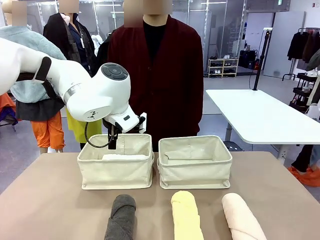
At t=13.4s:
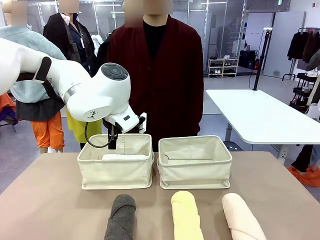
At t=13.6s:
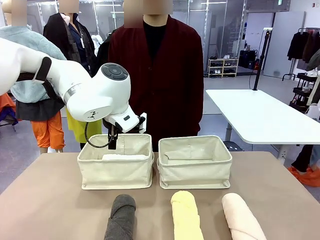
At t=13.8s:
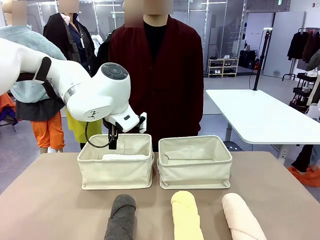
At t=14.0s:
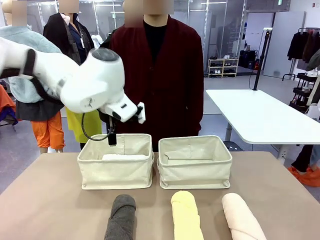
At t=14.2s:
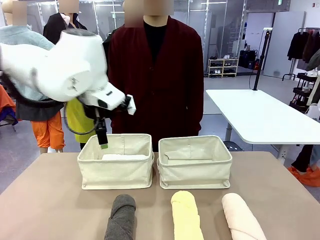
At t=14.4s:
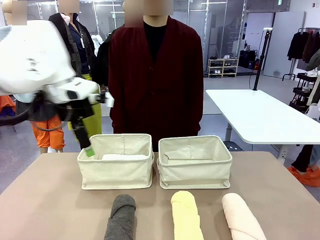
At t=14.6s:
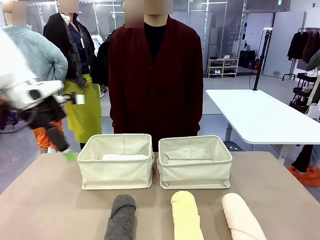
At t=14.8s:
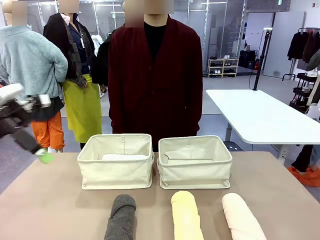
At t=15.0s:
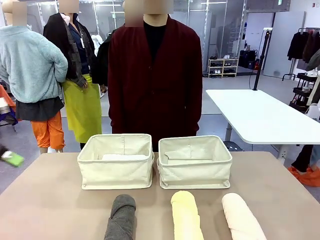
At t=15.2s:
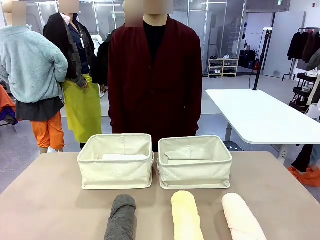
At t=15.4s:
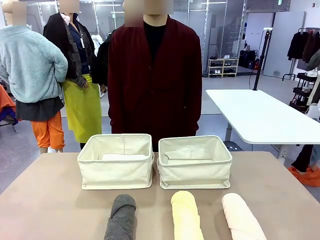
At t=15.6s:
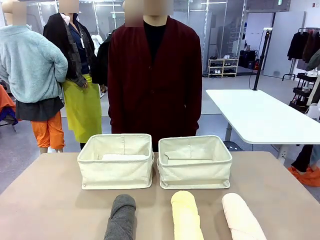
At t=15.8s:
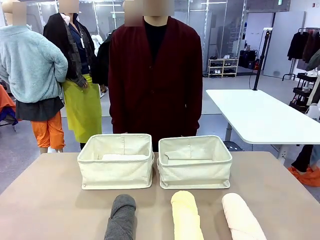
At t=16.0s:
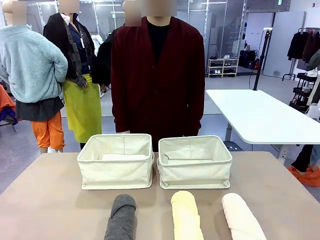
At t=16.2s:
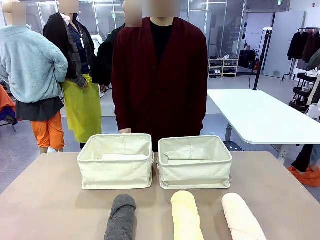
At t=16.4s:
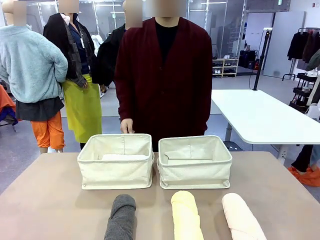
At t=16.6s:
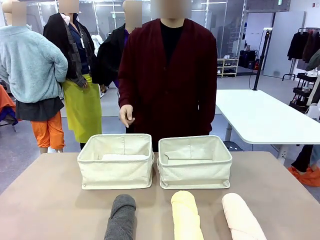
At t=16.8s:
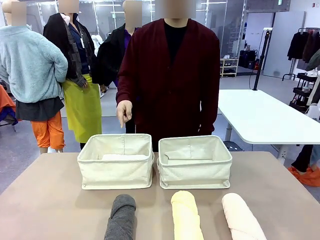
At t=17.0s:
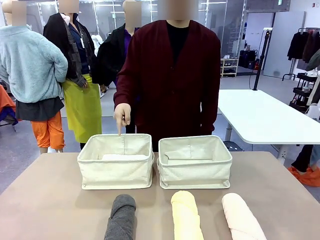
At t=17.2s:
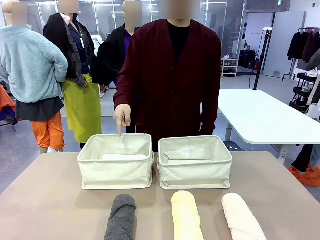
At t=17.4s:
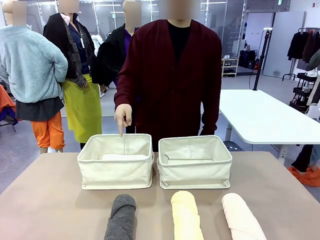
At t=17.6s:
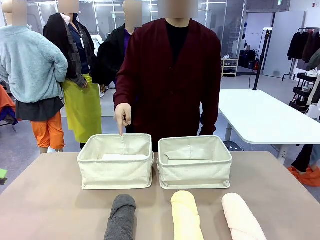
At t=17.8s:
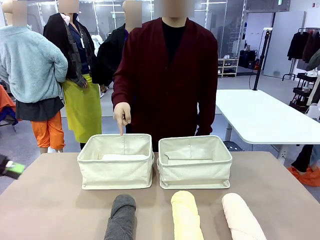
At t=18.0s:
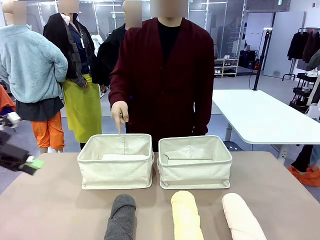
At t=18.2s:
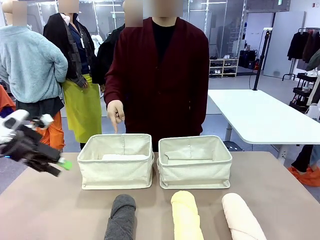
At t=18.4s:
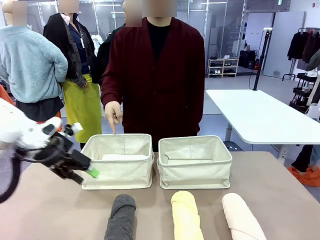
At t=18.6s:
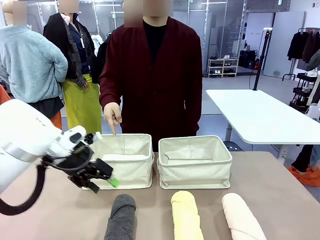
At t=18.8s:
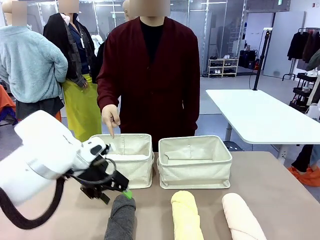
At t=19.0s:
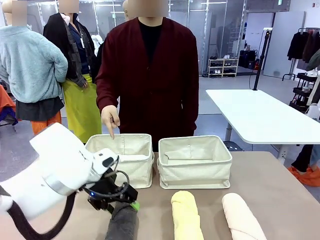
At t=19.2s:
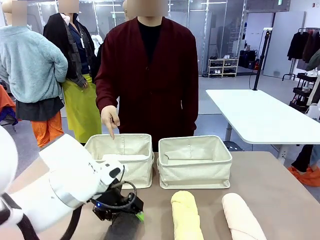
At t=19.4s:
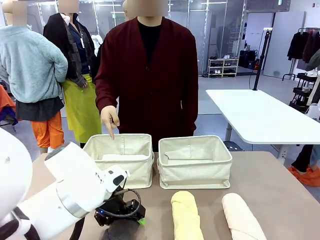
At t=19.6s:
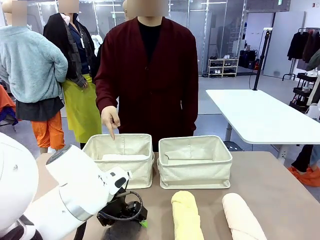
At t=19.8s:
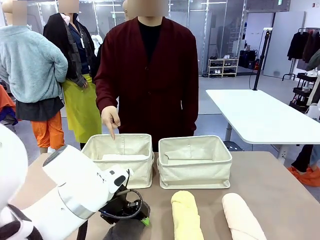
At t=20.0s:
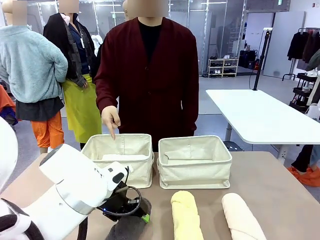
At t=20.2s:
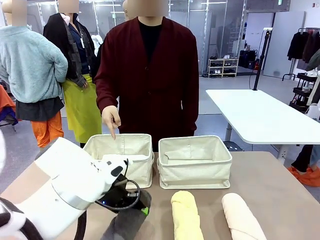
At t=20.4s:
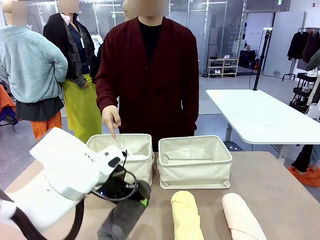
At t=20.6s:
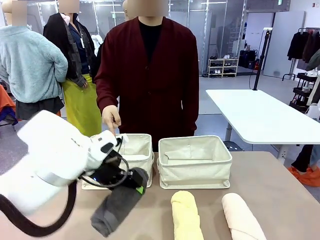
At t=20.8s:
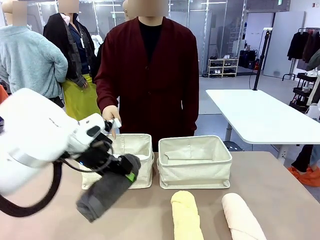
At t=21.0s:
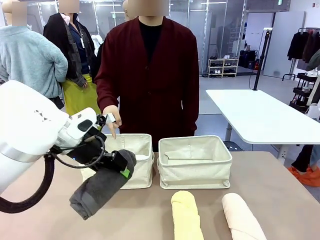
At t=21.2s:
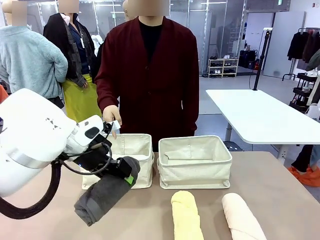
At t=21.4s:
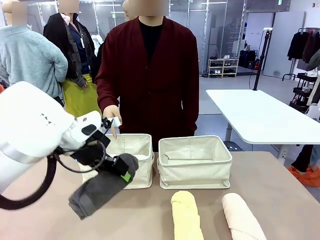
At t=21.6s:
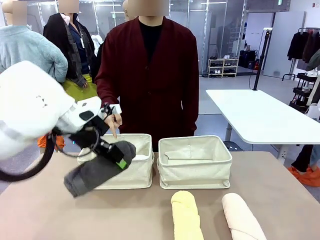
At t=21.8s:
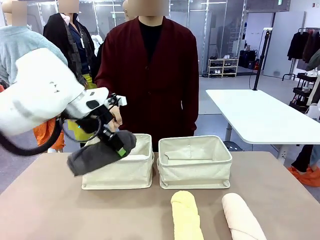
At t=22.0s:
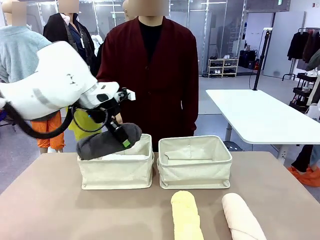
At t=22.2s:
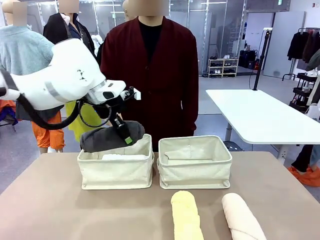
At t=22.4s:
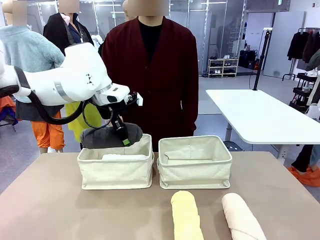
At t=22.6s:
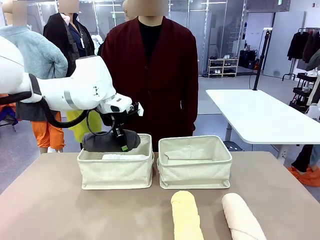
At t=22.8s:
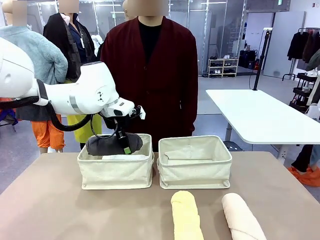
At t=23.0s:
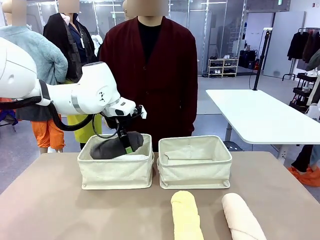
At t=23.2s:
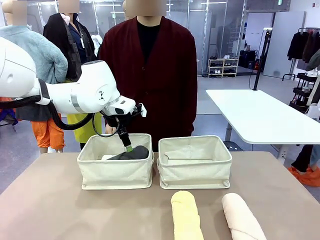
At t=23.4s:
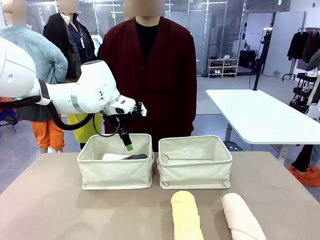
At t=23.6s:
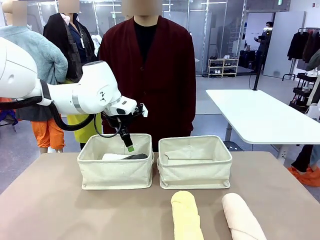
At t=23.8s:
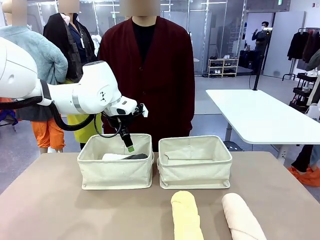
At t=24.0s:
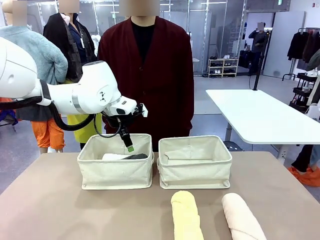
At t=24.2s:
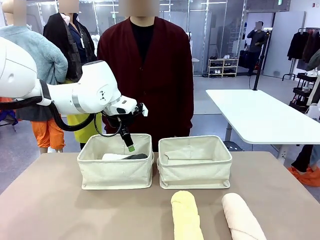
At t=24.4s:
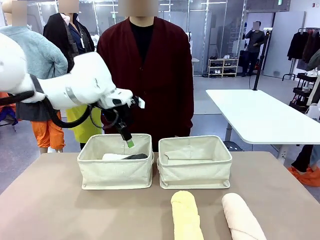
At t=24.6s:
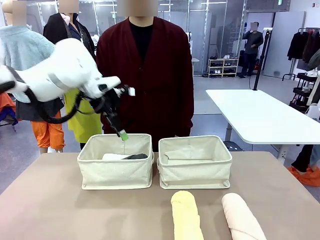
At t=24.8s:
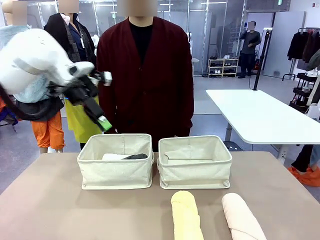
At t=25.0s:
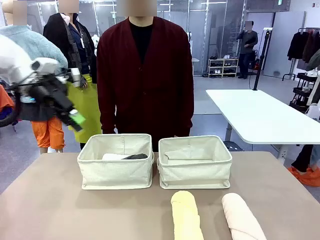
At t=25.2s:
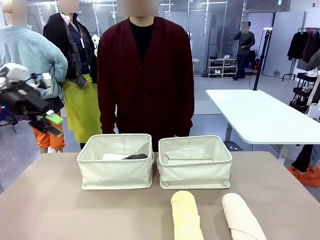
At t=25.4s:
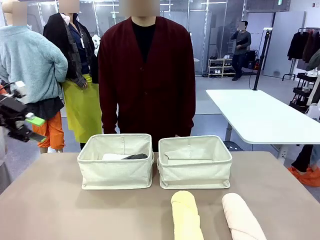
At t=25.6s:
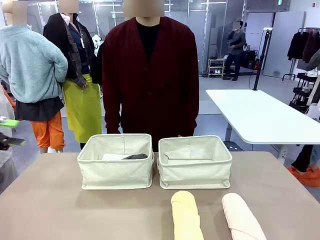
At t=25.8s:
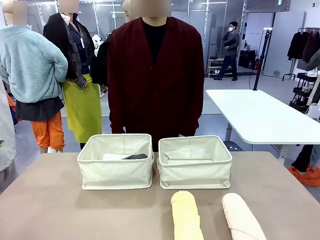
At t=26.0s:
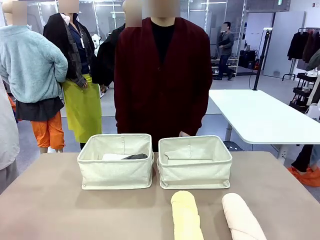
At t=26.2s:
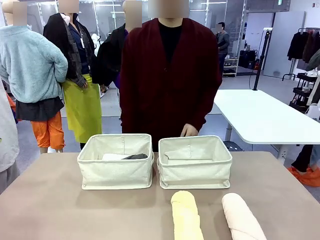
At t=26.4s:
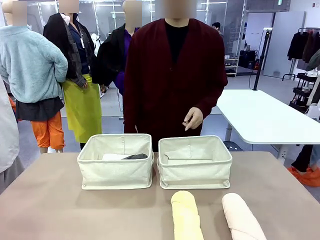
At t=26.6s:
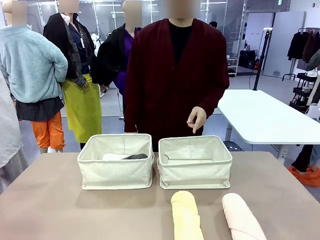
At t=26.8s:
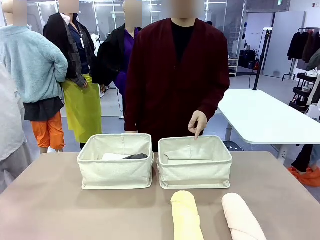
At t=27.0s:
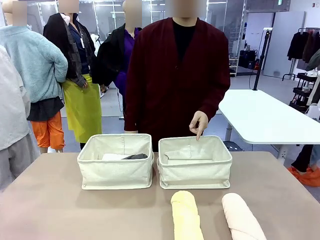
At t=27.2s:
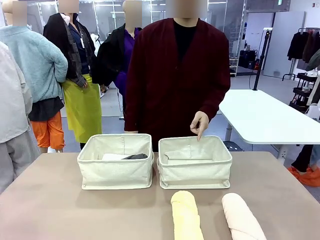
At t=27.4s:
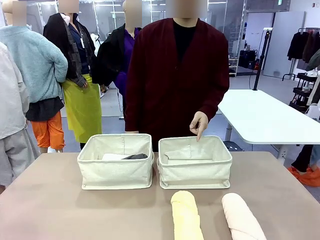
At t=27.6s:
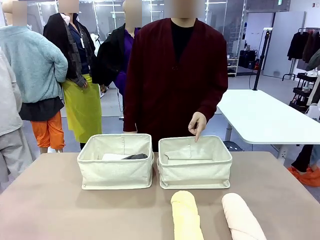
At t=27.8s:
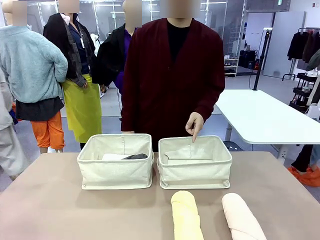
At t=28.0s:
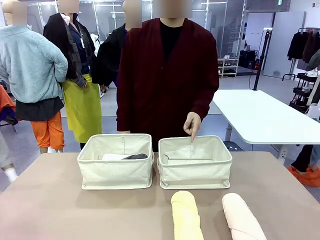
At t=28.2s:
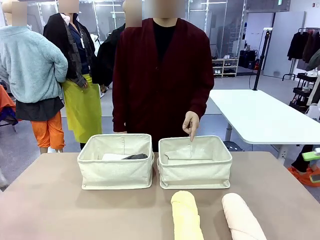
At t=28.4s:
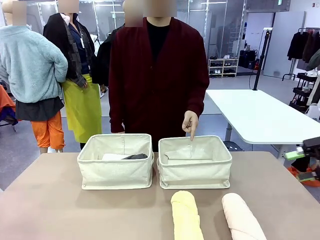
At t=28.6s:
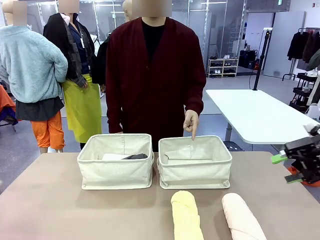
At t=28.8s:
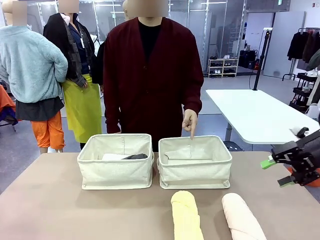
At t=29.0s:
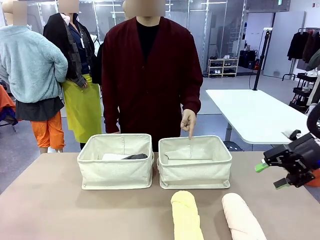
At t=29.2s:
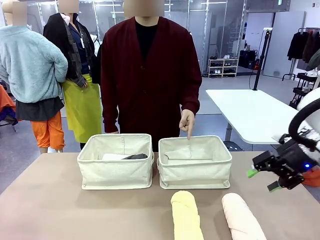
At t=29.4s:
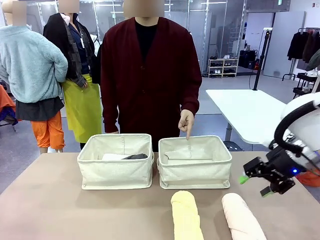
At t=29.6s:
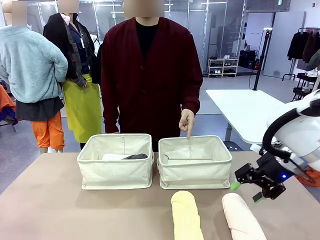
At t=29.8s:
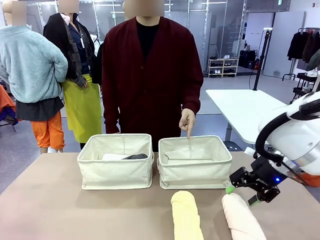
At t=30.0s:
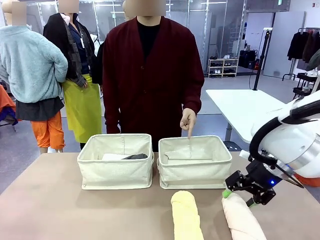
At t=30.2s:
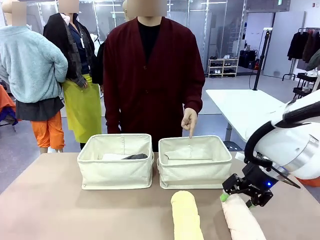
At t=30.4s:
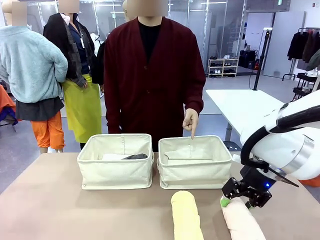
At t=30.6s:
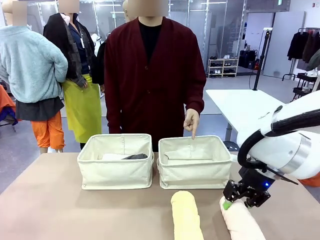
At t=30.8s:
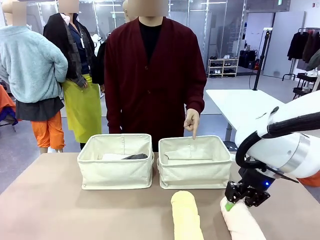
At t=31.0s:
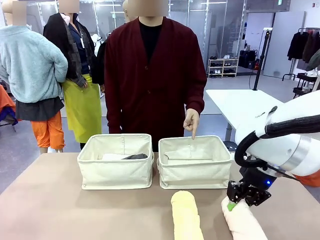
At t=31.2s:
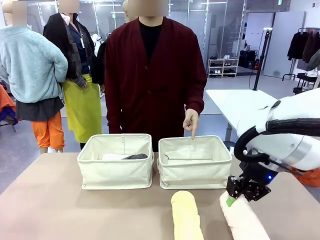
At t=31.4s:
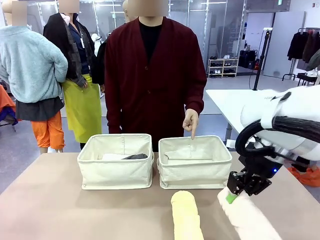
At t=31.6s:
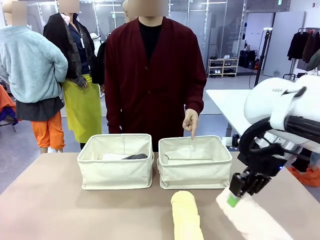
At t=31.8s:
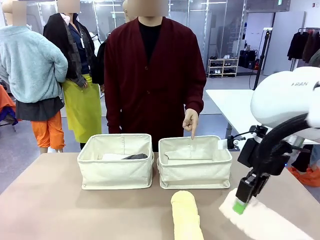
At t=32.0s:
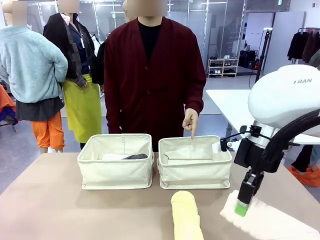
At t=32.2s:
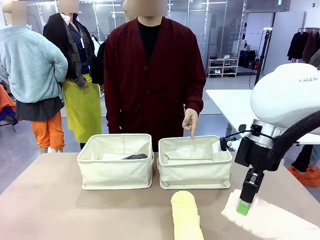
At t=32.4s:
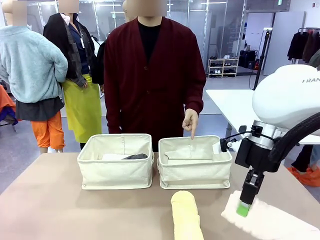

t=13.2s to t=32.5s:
Task: Divide the towels into two baskets.
Robot: Pick up one hotel-folded towel from the bottom of the table and place it in the Fabric basket indicated by the person.
